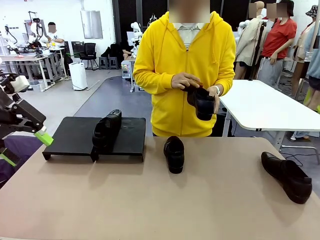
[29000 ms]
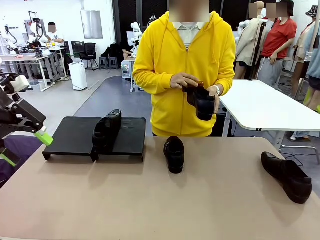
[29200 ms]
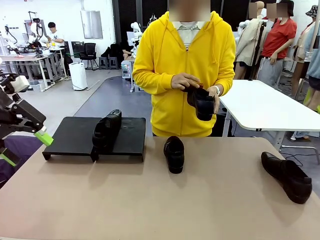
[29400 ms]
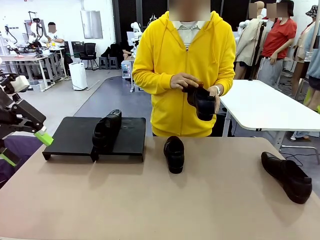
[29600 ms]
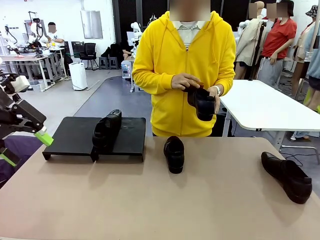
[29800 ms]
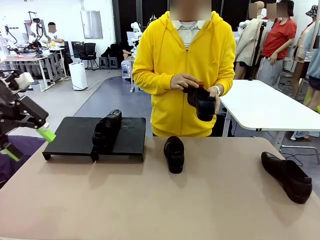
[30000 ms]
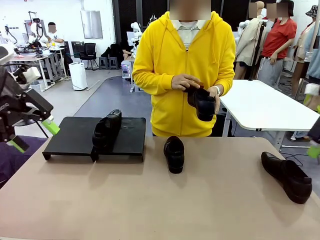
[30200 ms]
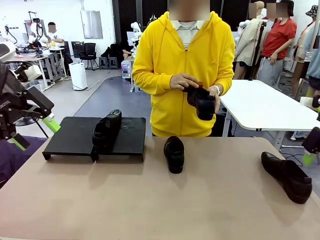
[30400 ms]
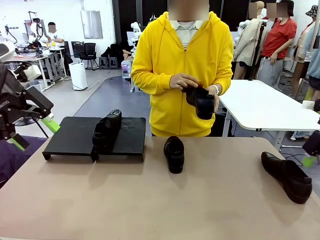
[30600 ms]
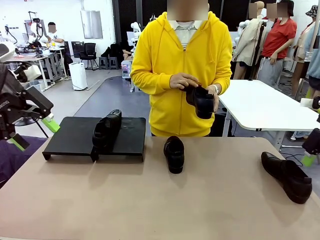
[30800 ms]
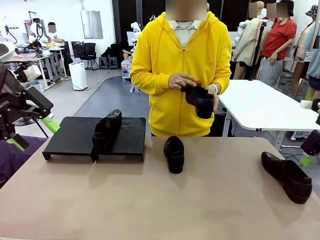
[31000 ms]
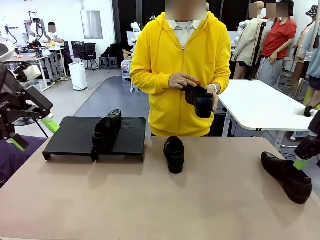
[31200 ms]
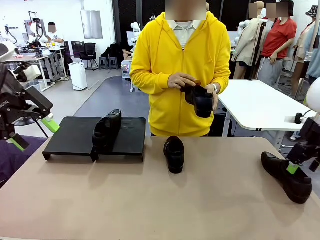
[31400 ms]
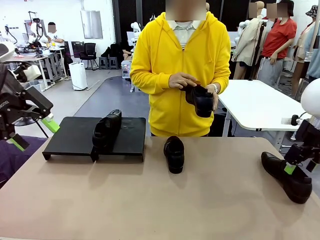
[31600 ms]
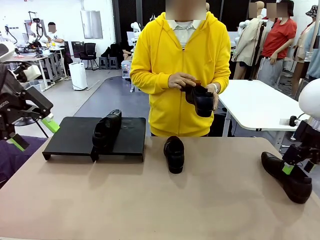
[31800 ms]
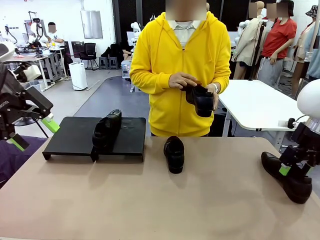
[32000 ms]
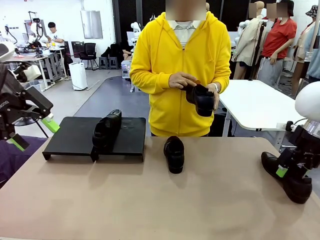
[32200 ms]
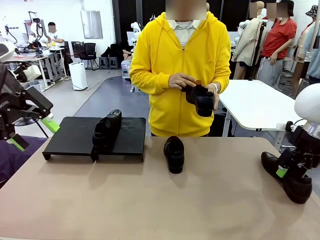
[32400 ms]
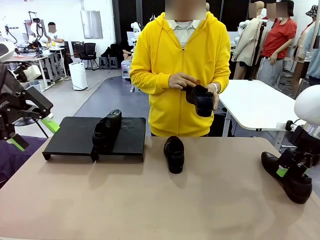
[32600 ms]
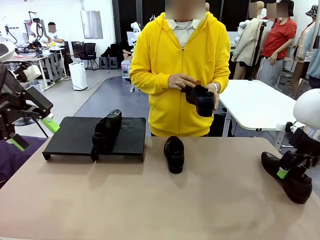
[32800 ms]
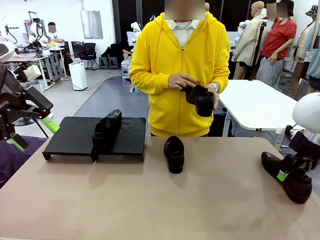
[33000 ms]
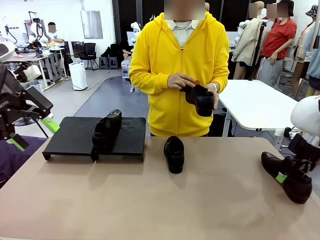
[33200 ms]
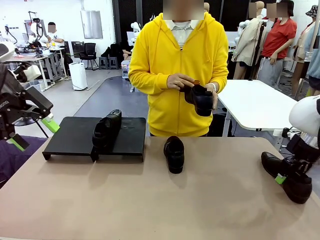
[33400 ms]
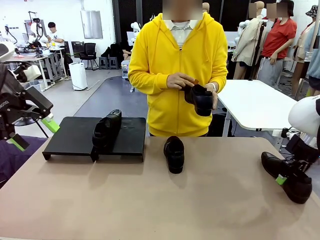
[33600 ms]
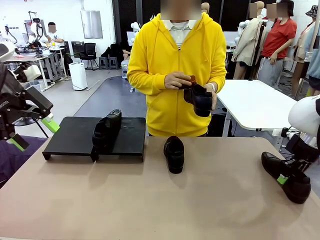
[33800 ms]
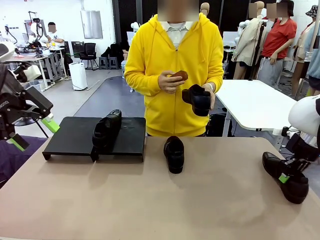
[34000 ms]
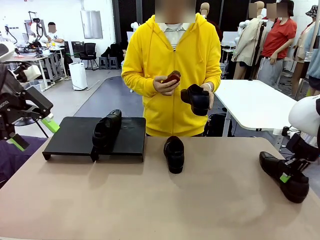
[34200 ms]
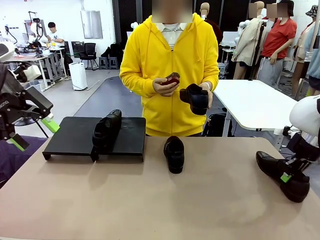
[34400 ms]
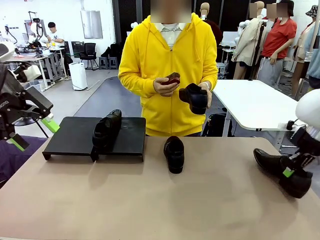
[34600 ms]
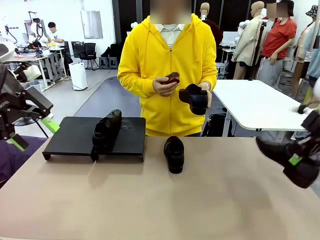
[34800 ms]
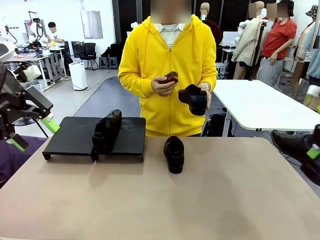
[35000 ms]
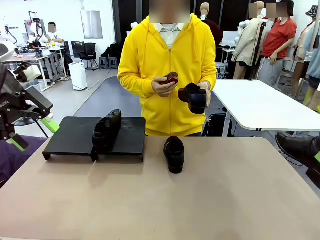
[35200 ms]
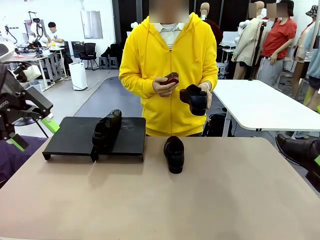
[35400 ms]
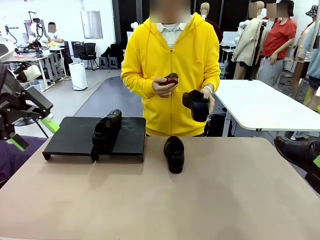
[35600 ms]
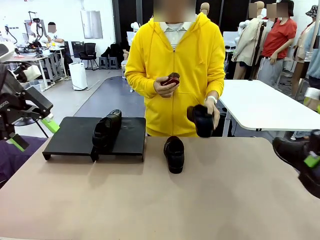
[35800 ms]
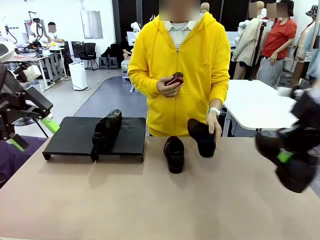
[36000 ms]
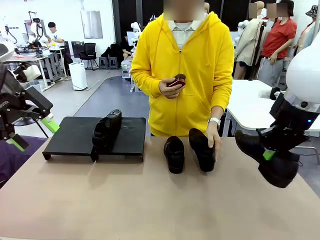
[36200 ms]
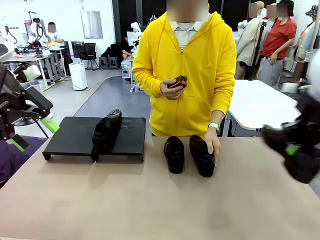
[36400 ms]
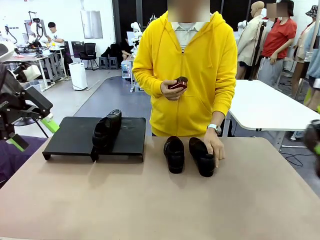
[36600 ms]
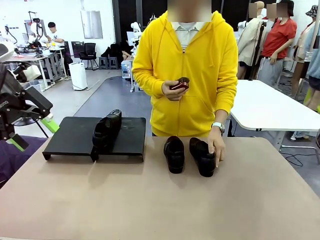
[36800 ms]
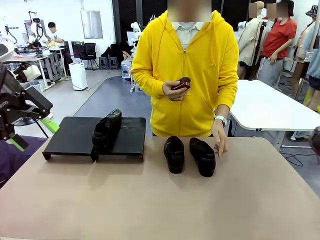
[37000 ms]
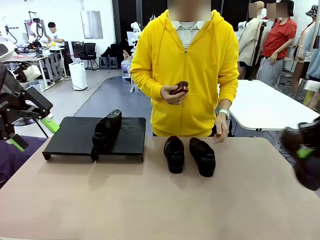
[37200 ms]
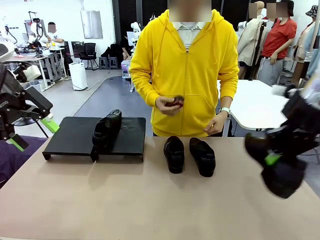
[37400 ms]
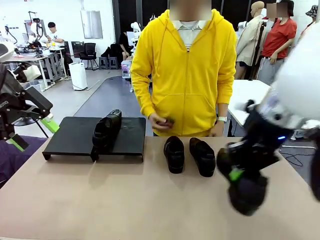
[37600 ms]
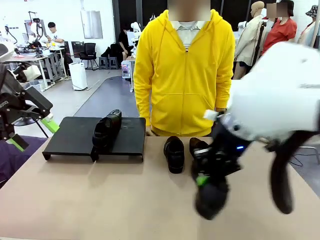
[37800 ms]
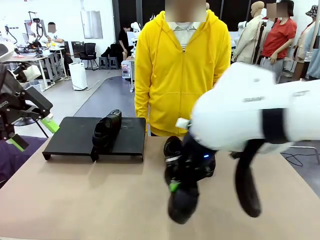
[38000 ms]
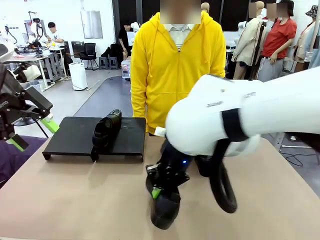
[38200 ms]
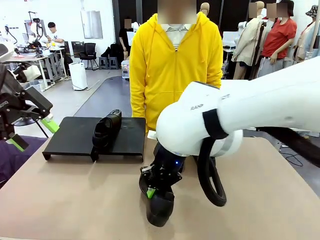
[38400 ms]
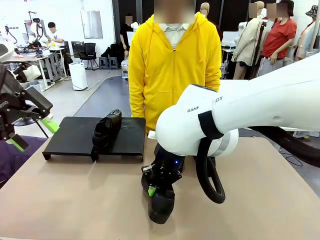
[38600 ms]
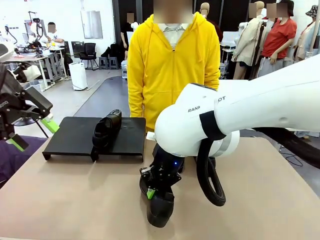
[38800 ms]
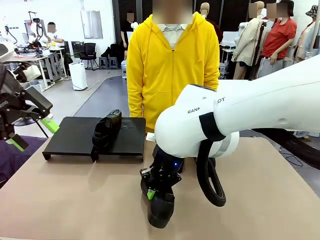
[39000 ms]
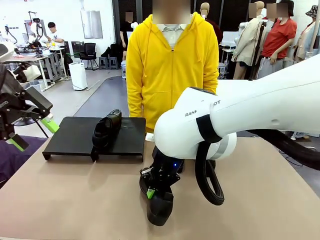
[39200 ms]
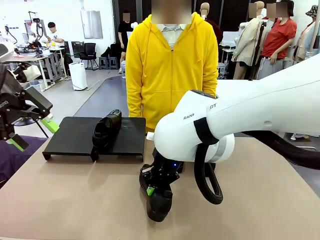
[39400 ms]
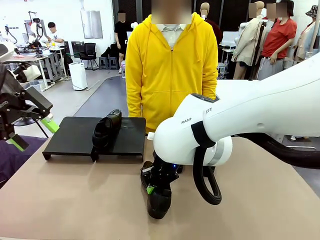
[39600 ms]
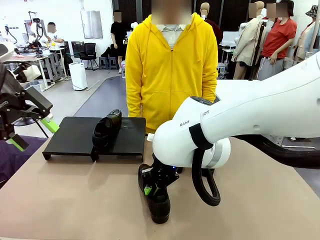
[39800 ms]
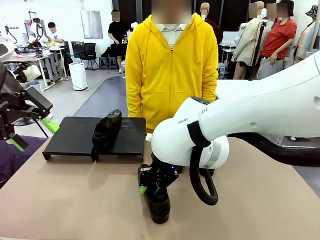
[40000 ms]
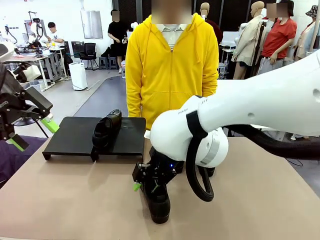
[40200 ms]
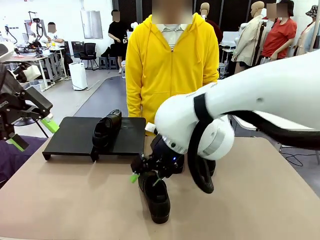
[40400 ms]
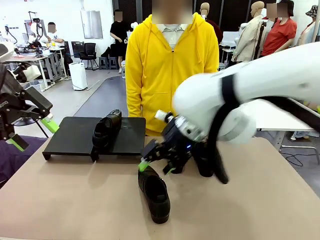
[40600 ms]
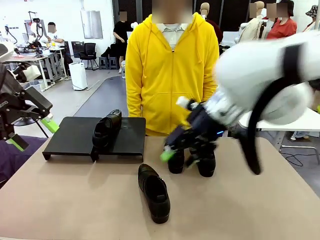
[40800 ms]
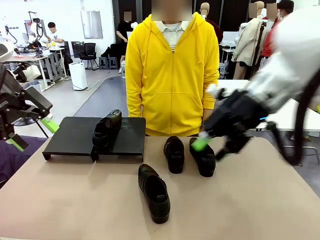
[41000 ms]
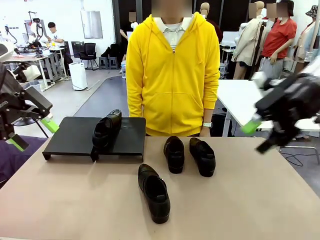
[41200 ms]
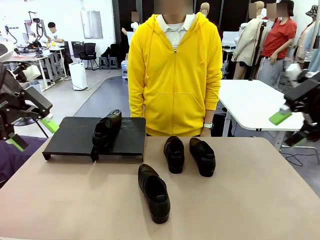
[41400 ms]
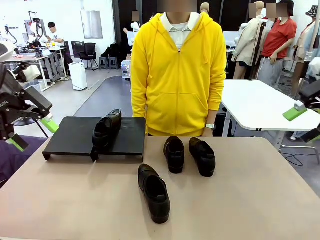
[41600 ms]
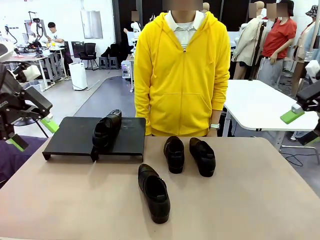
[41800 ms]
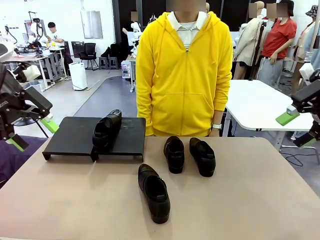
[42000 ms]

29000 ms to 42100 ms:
Task: Organize the shoes by placing them on the stand.
Robot: Pick up one Shoe and place it in the middle of the table.

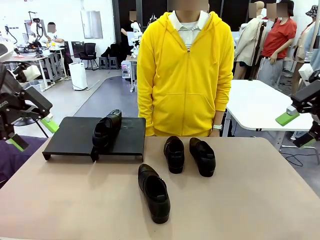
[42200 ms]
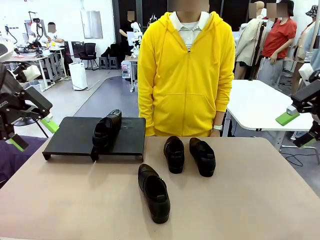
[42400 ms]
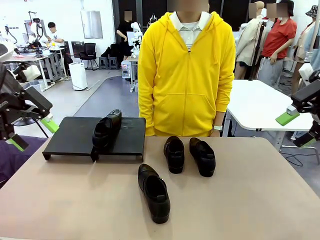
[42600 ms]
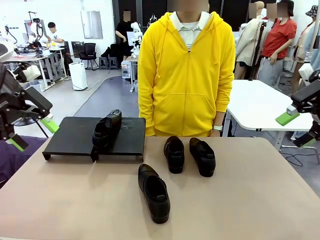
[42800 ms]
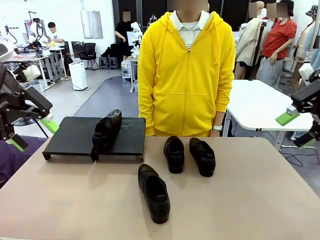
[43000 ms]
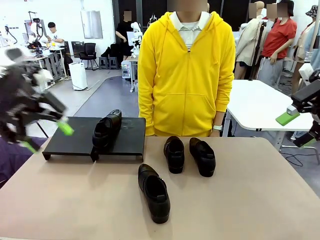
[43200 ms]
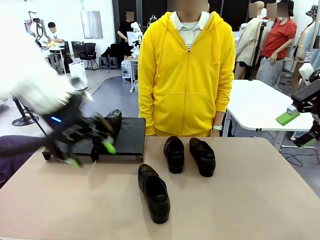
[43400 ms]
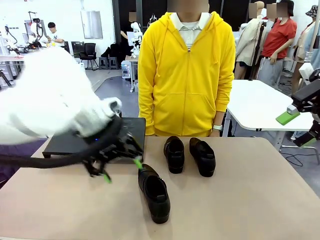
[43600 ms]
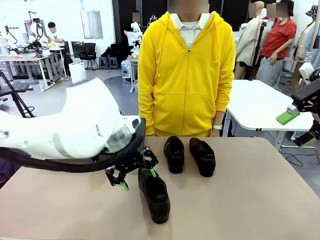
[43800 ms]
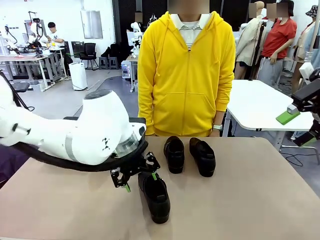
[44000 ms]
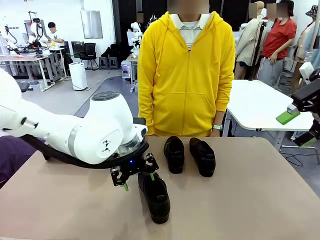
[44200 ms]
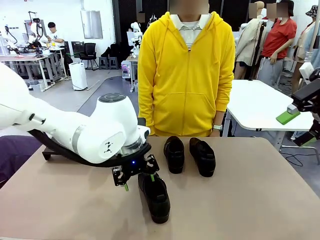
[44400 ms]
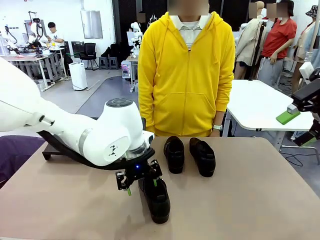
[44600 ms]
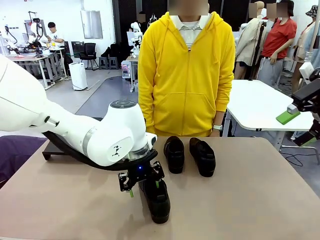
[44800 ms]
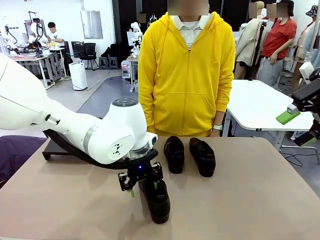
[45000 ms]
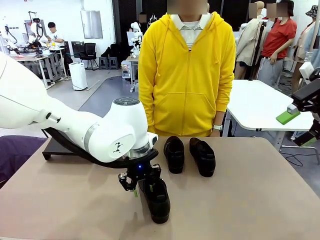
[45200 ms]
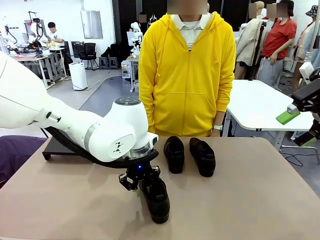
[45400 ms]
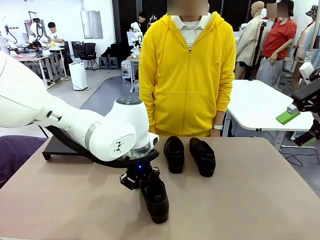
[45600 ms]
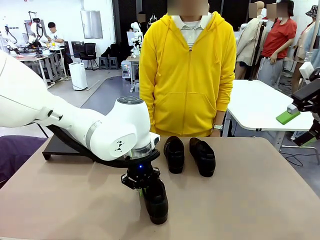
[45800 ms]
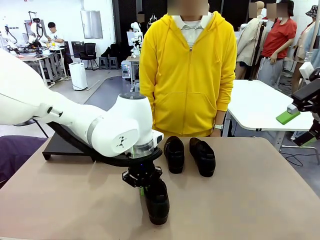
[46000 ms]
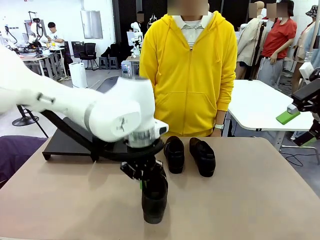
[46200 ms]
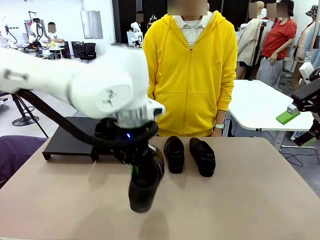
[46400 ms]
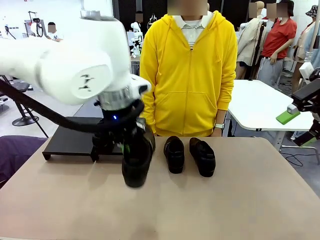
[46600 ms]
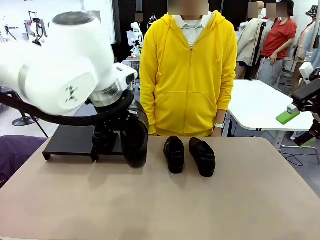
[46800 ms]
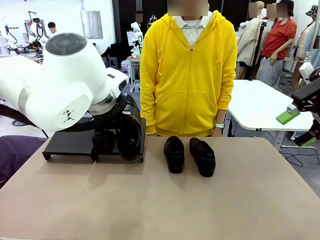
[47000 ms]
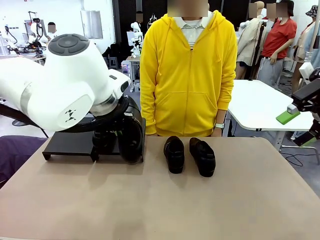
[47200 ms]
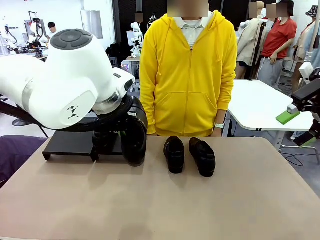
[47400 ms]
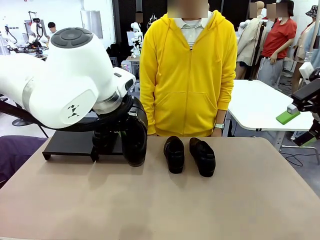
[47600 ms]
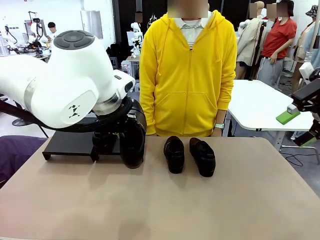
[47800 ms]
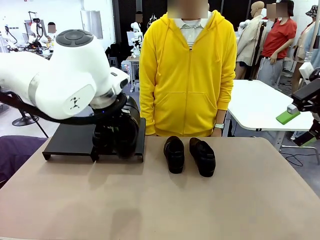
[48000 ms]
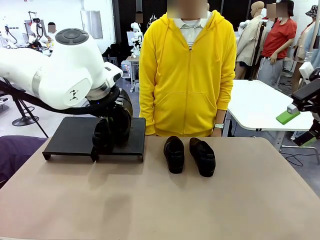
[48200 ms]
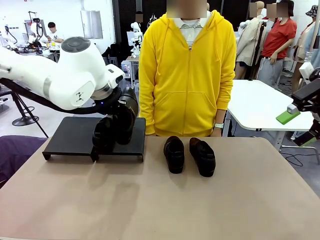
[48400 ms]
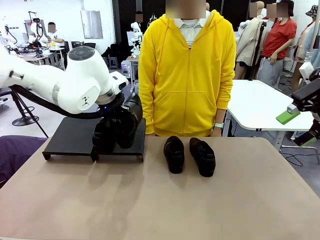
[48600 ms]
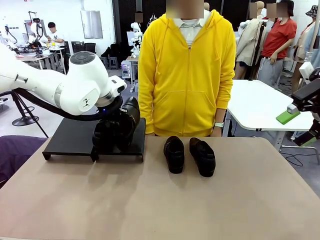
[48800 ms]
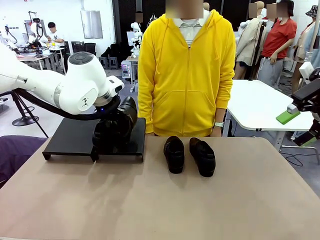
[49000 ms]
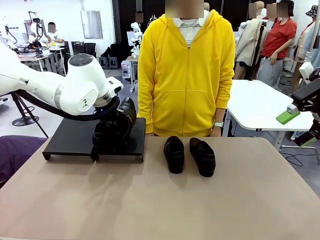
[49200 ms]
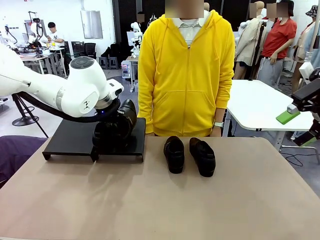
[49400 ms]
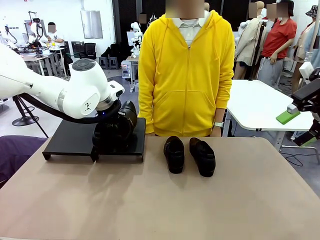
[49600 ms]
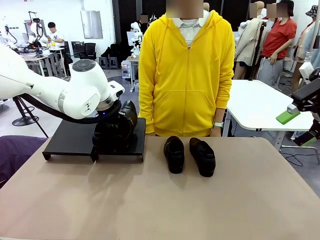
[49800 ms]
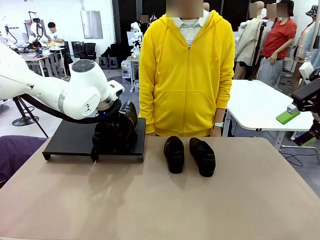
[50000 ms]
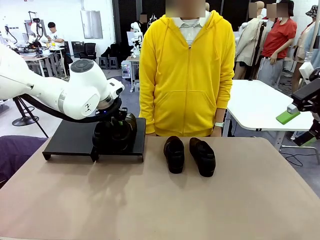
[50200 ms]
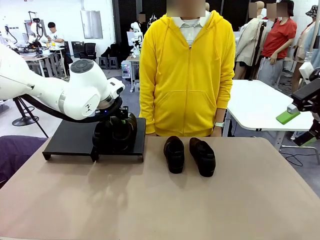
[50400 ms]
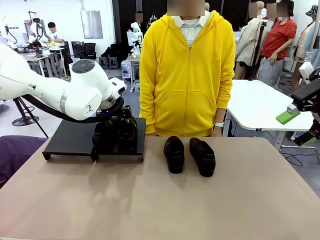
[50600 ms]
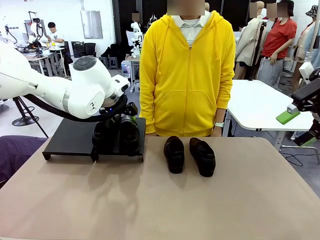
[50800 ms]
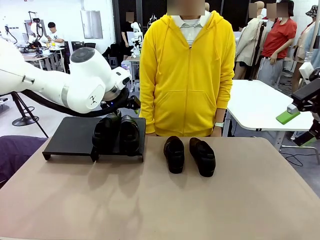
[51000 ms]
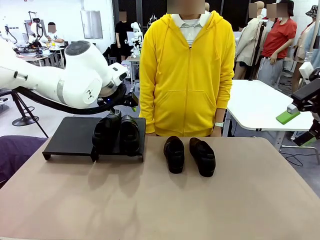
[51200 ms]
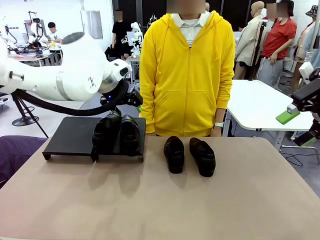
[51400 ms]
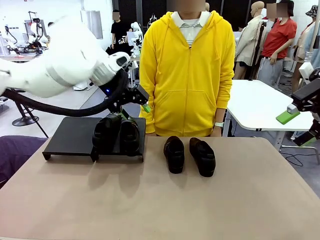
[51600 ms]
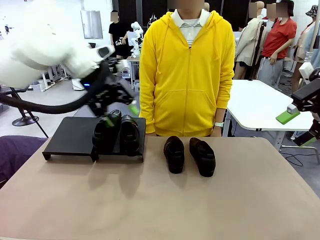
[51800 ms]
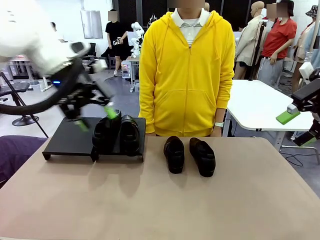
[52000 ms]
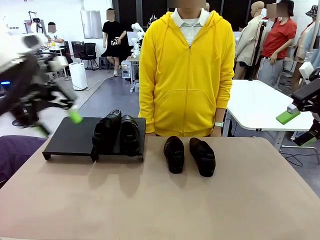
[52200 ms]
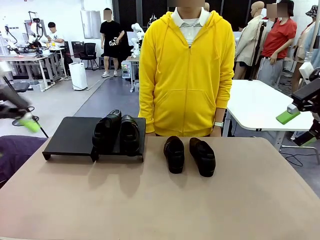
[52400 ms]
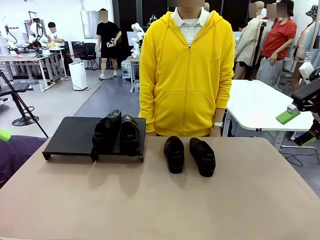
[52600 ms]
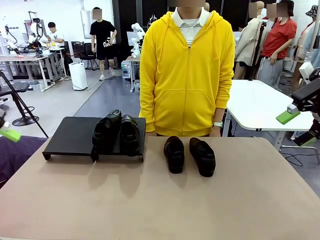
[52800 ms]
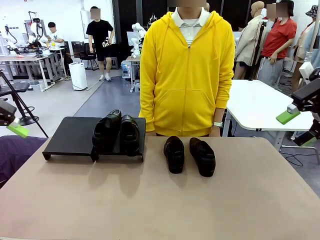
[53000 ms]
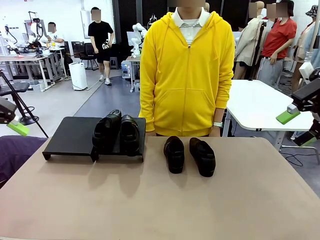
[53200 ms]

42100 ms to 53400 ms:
Robot: Place the Shoe from the middle of the table onto the Shoes Stand.
